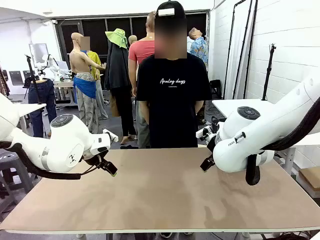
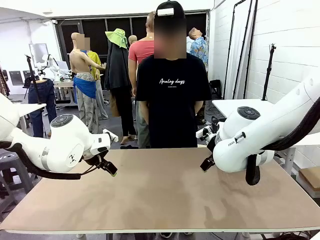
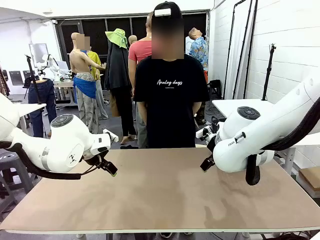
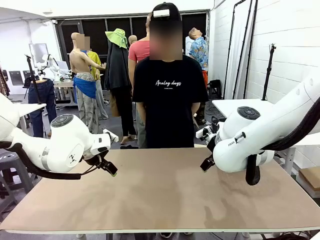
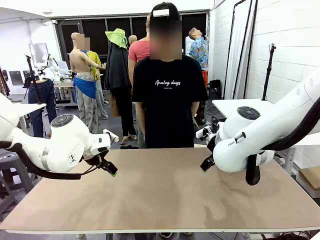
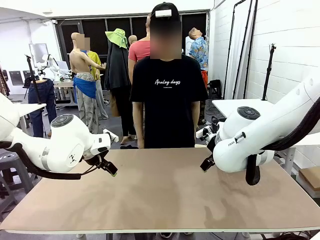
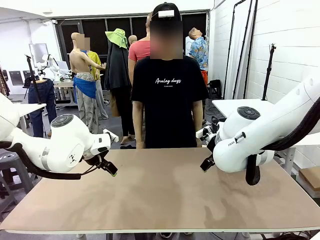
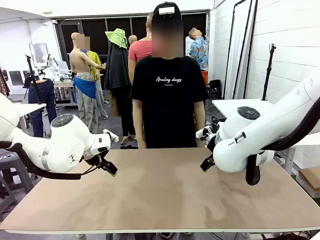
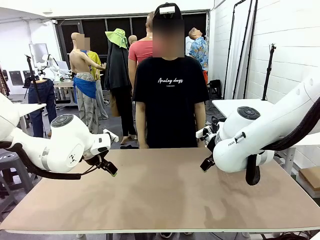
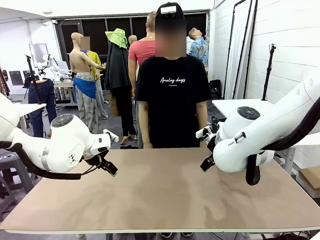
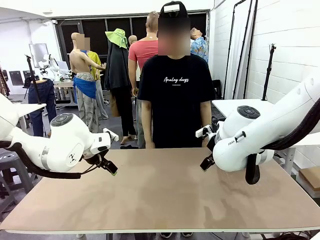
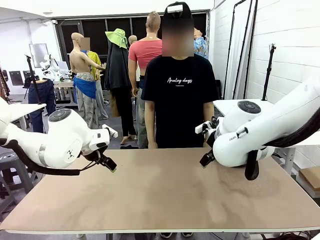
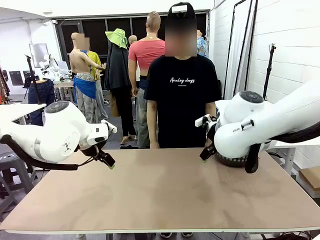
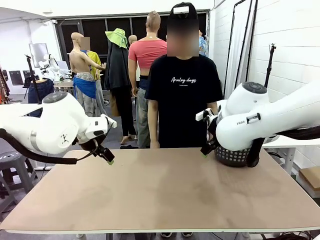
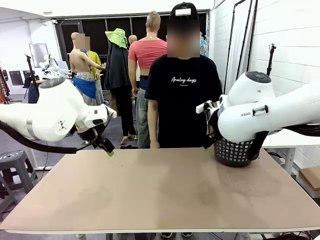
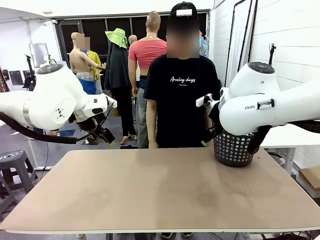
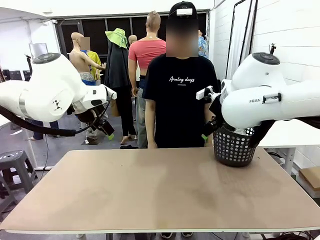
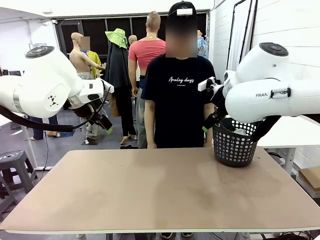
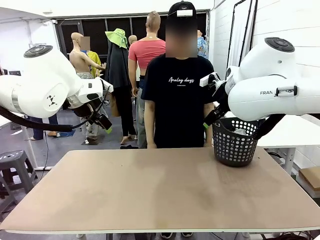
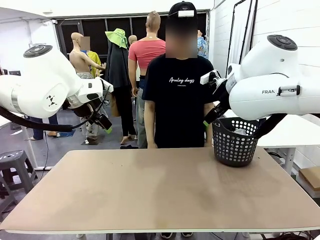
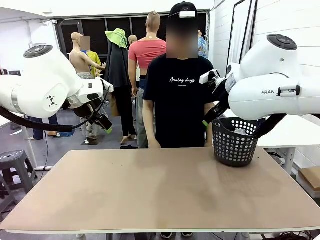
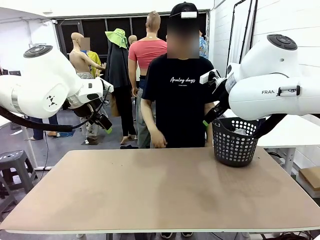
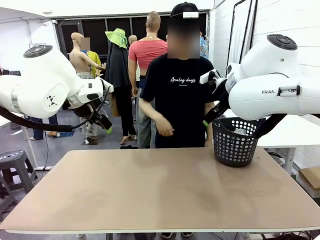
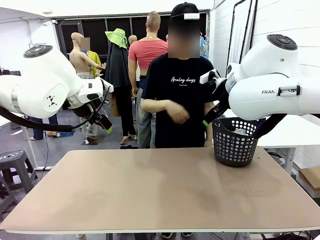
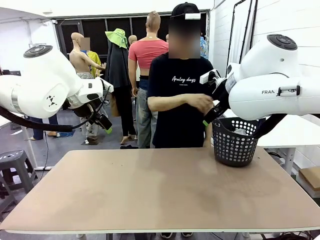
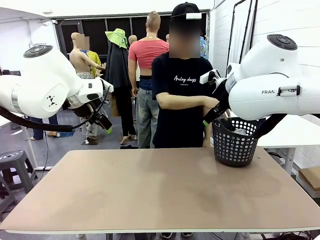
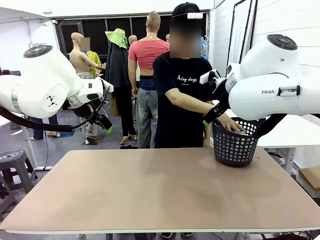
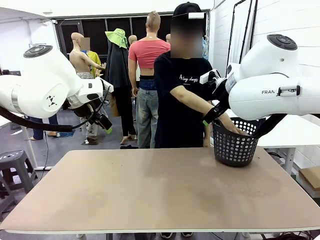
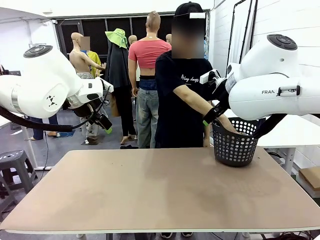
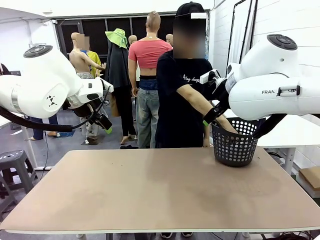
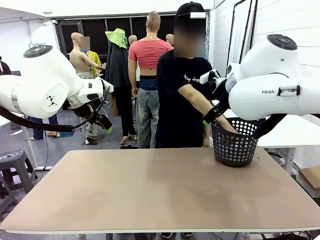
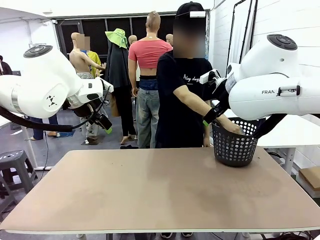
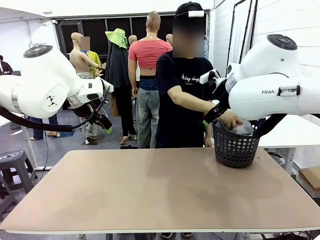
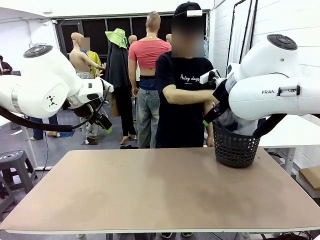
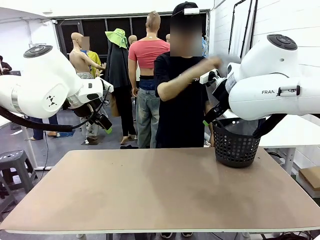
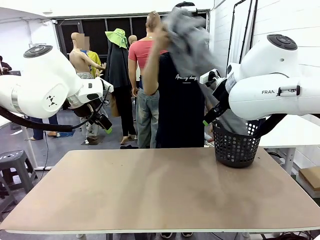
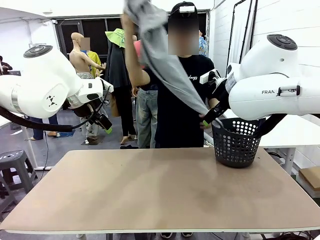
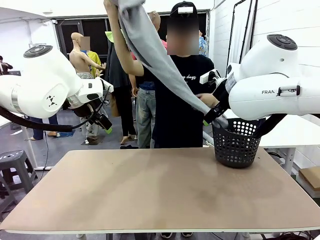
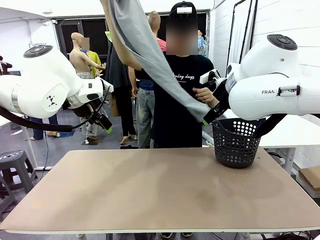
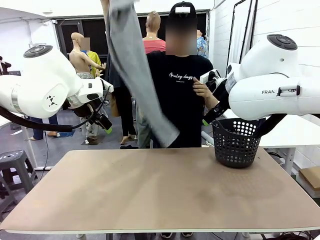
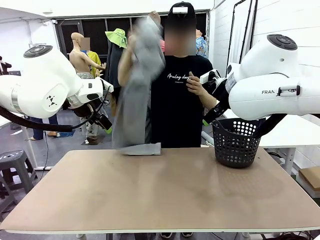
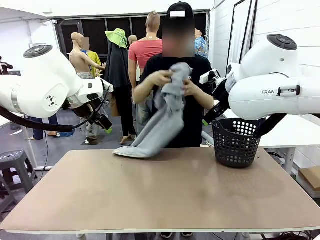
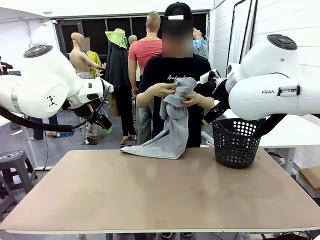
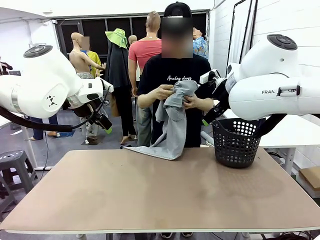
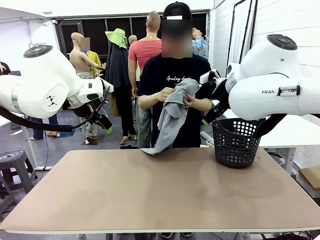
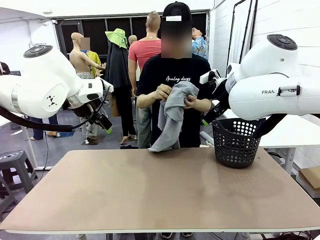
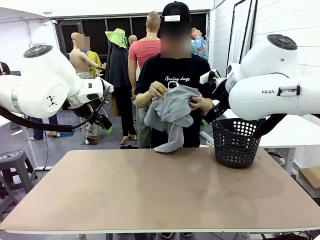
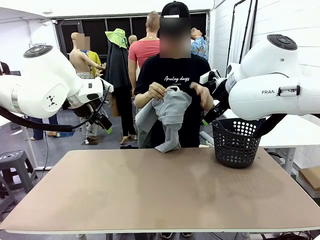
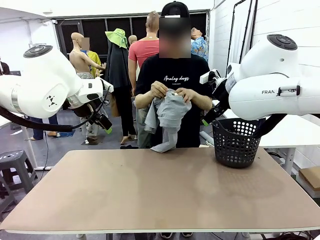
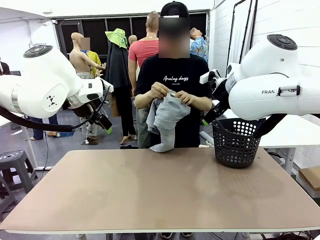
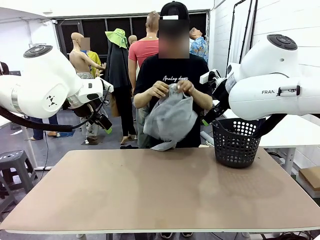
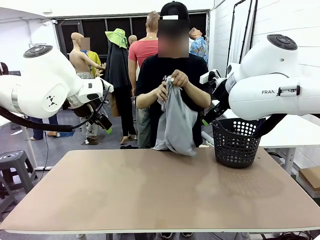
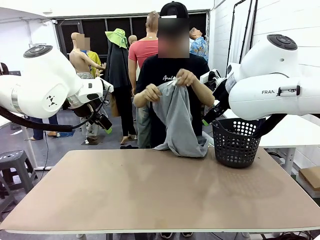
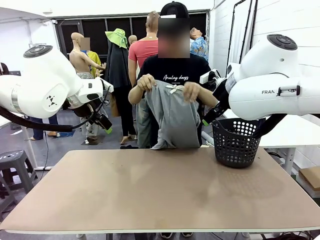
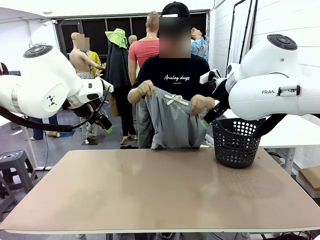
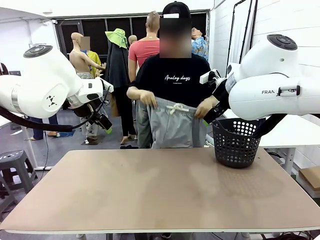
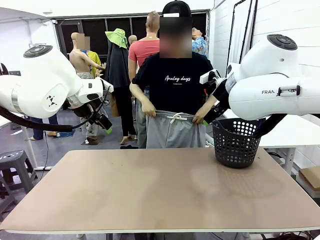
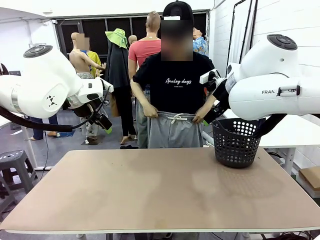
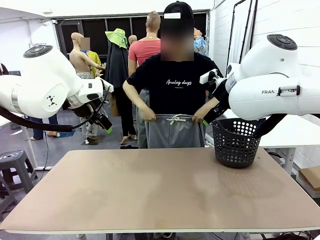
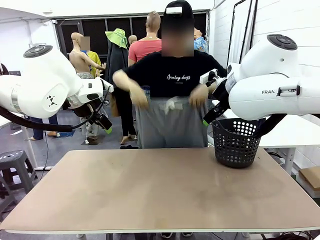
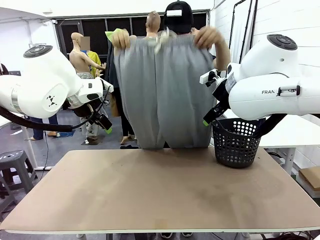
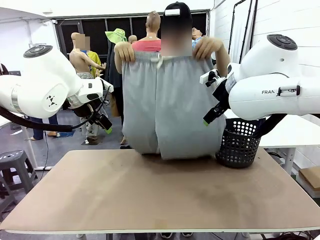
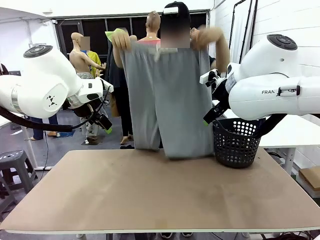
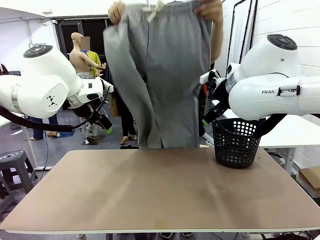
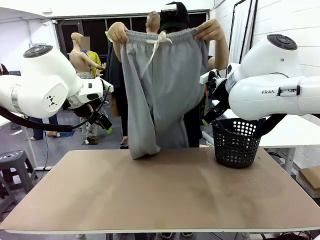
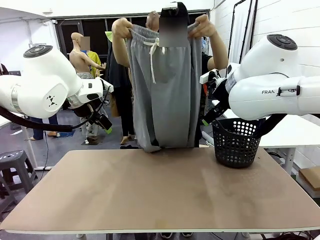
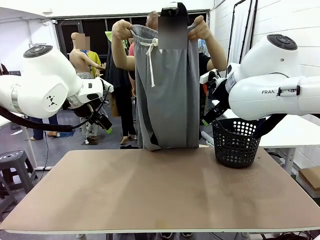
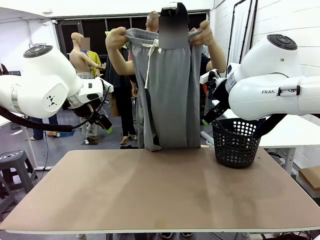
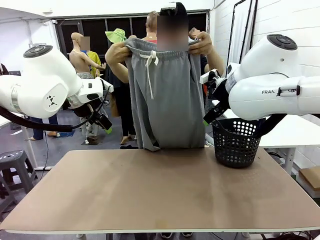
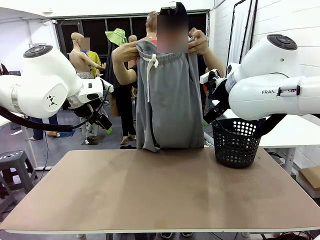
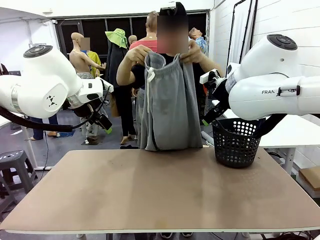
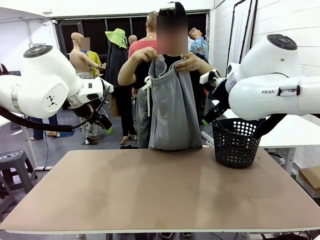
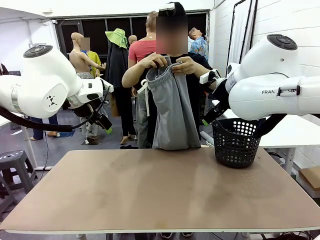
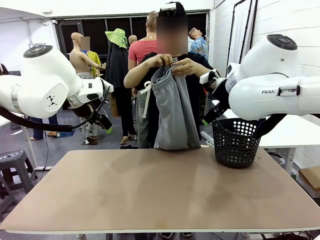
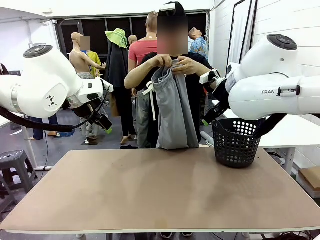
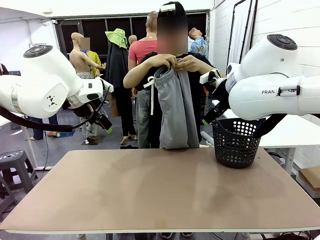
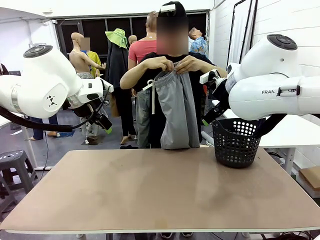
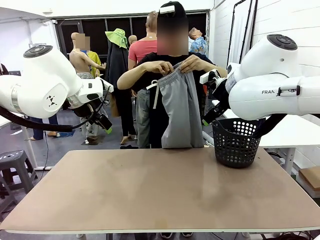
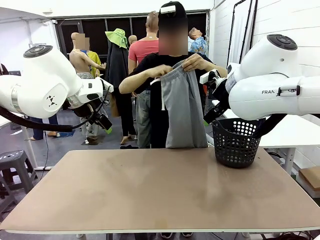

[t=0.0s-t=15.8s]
Task: Fold the training pants.
Robot: Grab both ends of the Training pants handed by a person.
Person: Take the long pants out of the laundry basket, unfold them, fold the waist in half, and extend them so the robot can pick up both corners.
